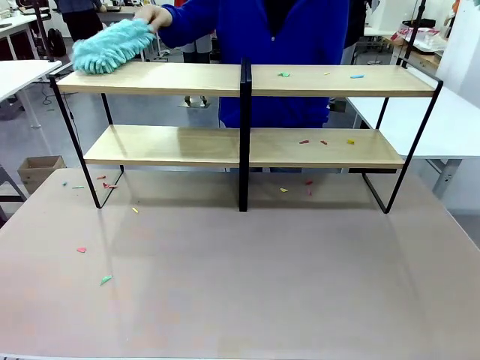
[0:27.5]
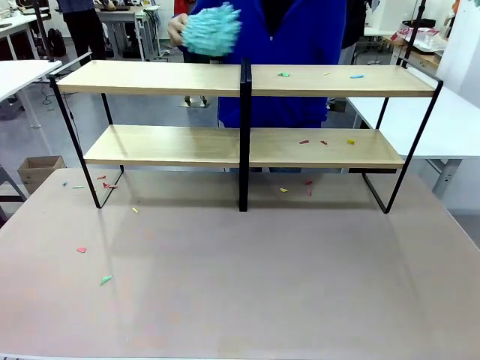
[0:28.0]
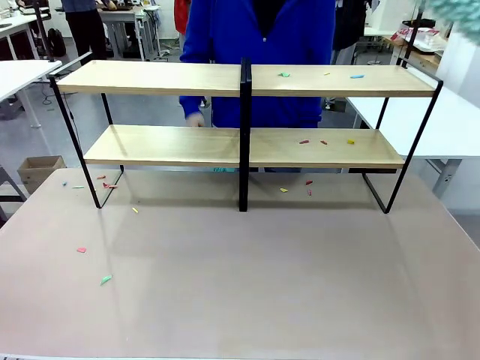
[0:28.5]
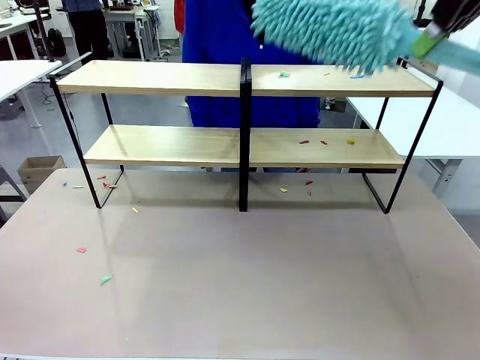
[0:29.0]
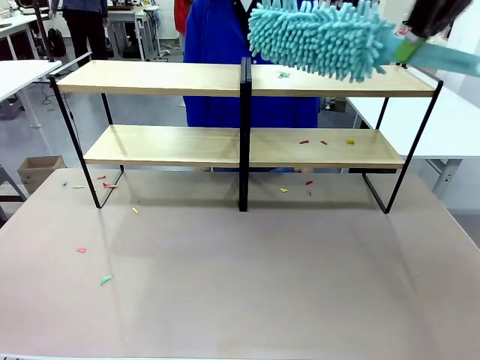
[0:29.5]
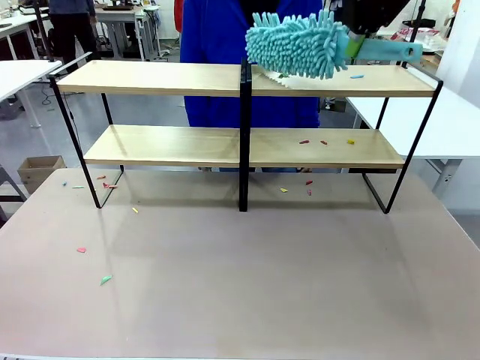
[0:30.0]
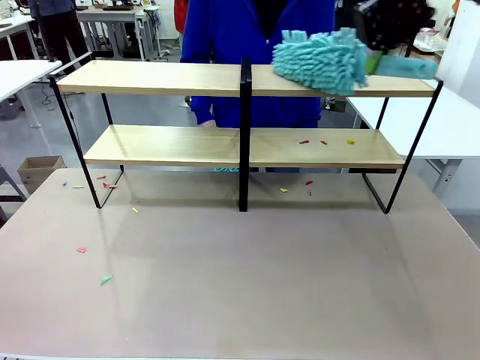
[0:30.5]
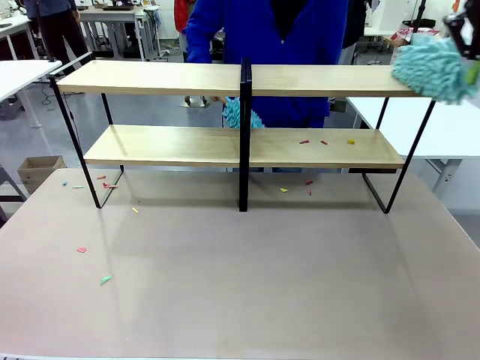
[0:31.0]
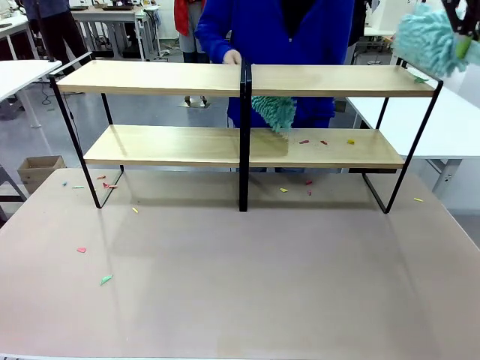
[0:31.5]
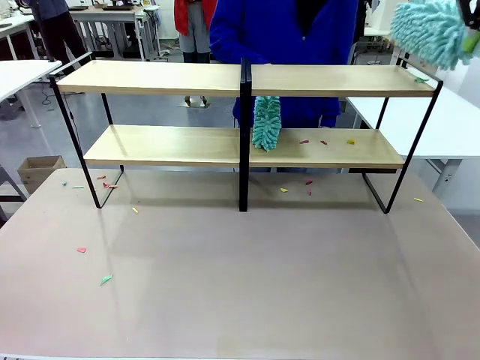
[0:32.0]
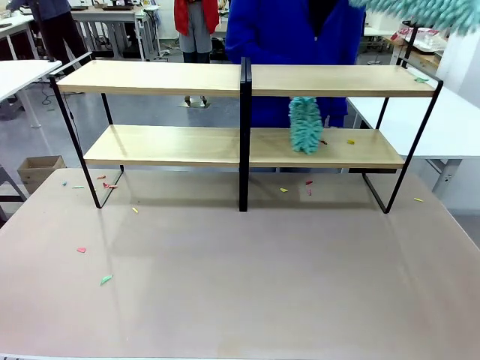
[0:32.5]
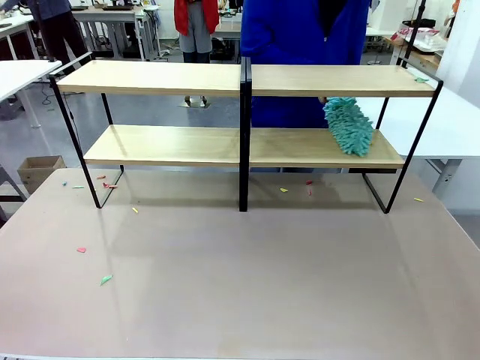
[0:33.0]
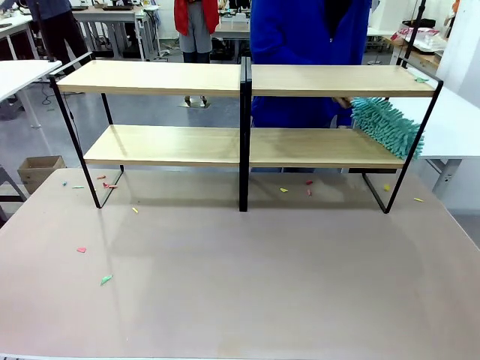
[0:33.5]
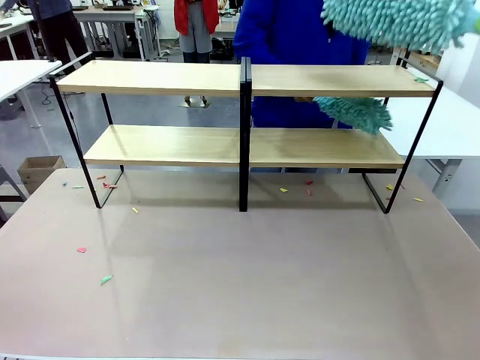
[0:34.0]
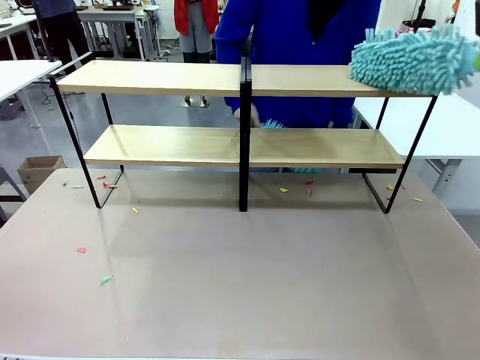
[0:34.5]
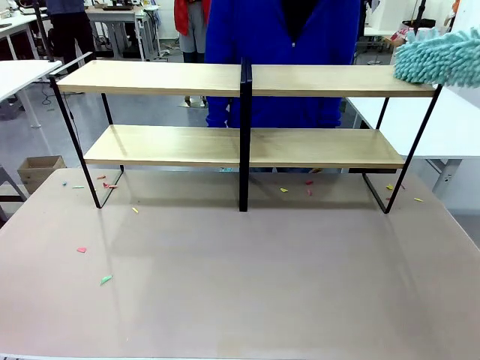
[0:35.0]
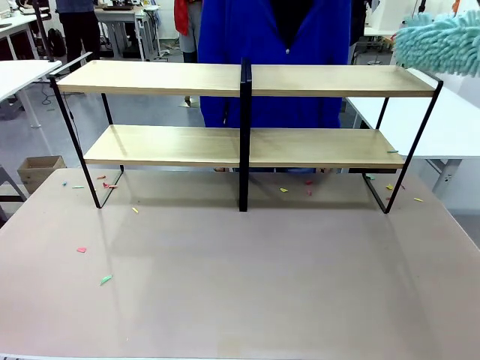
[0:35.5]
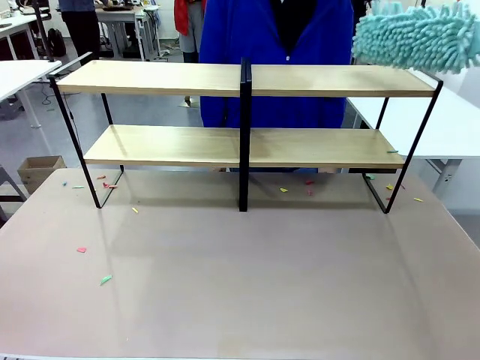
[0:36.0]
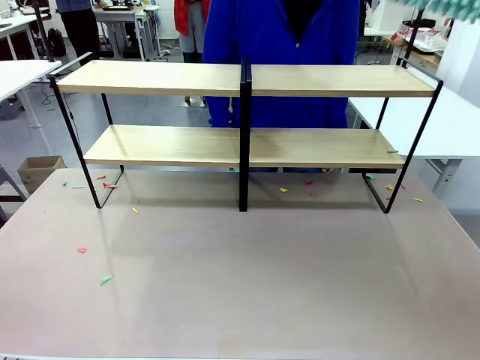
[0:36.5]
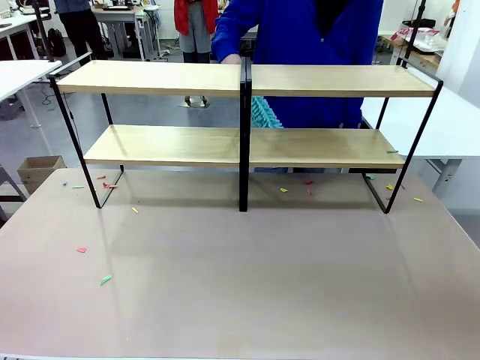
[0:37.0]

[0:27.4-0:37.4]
Task: Clean the shelves.
Robot: Clean another randomly selected level of the Shelf with the Duster.

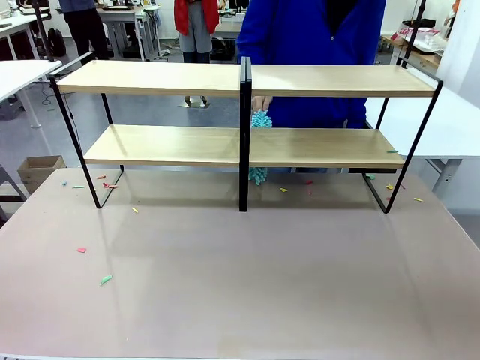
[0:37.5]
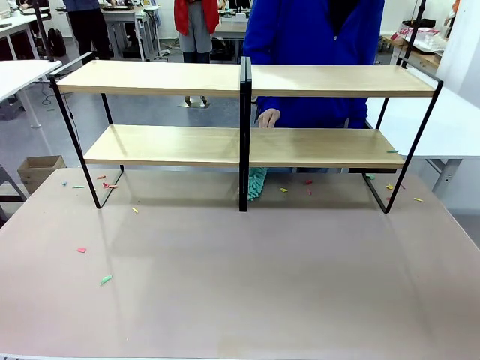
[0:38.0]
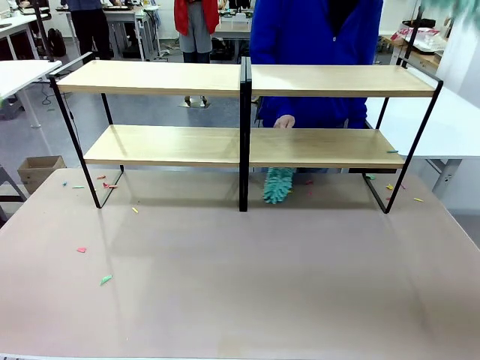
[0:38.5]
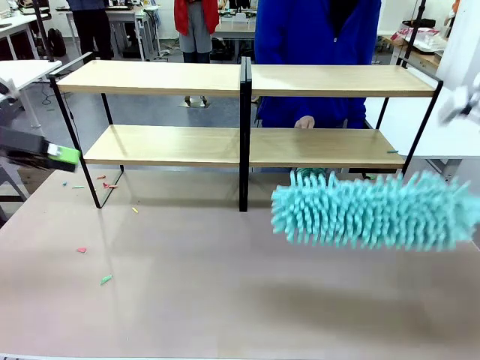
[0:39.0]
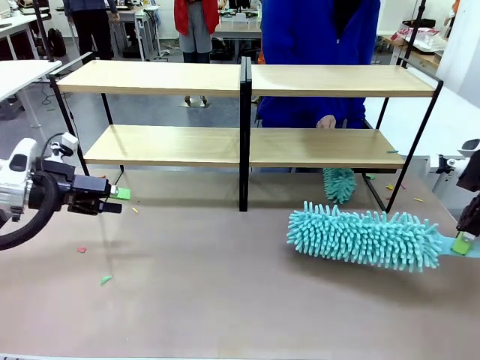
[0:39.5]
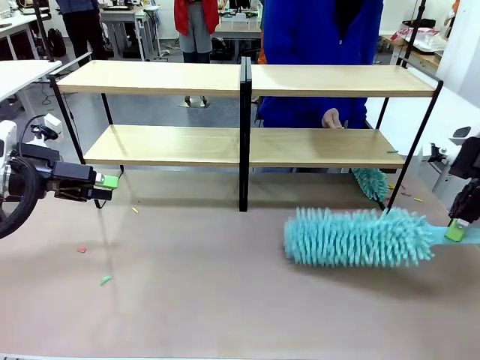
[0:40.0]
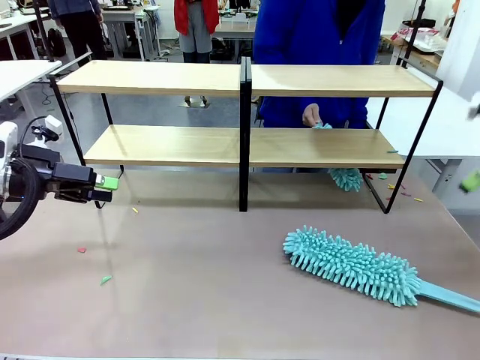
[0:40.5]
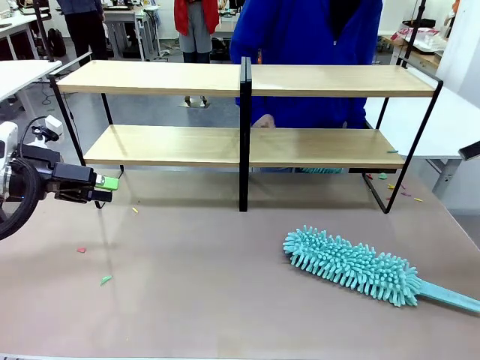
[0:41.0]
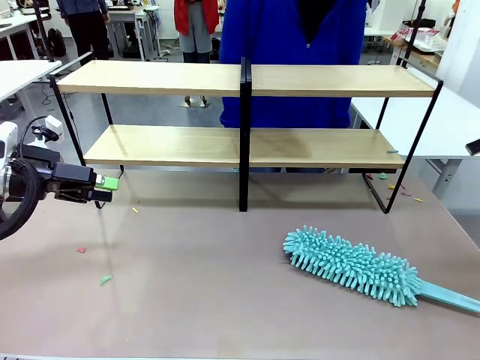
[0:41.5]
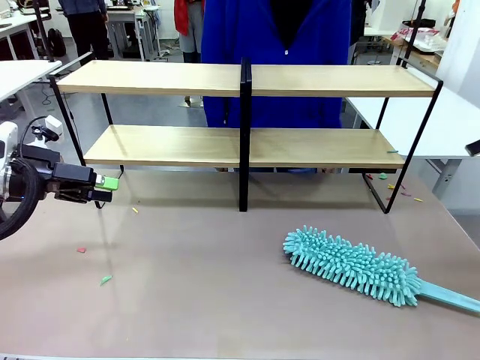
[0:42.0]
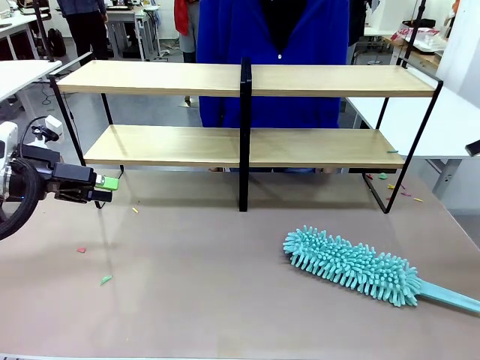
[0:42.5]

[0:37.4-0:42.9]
Robot: Place the Duster on the table.

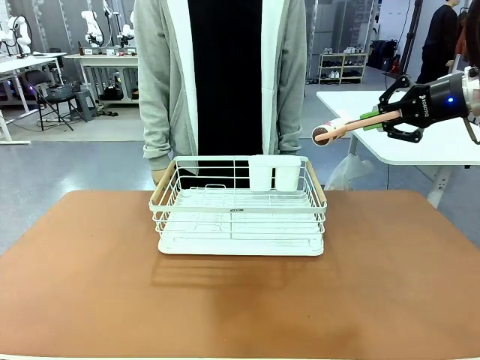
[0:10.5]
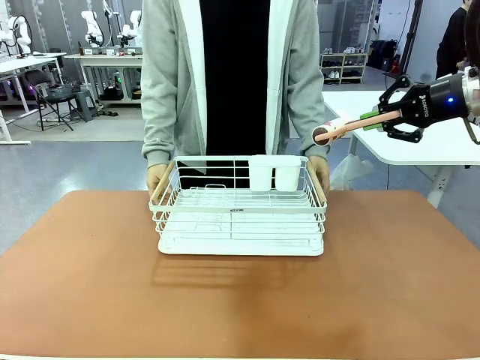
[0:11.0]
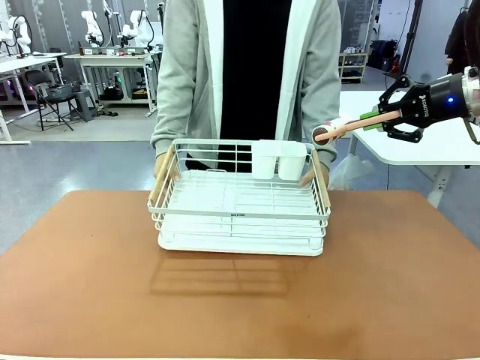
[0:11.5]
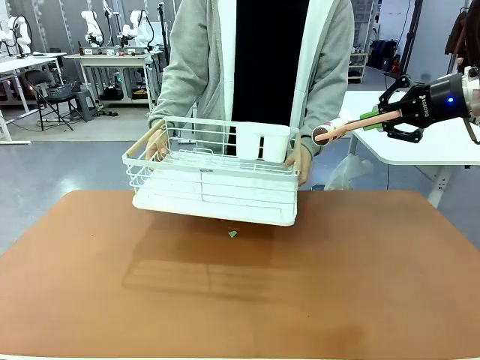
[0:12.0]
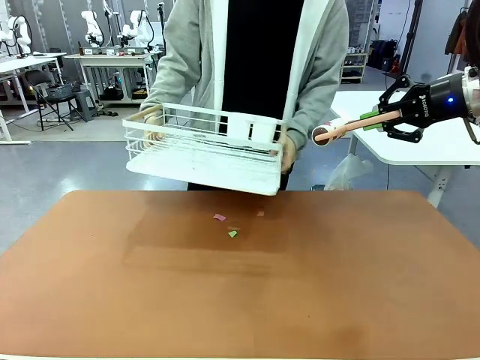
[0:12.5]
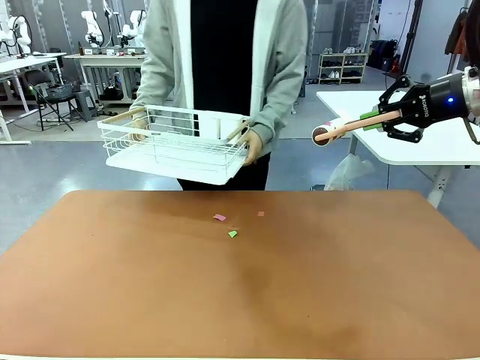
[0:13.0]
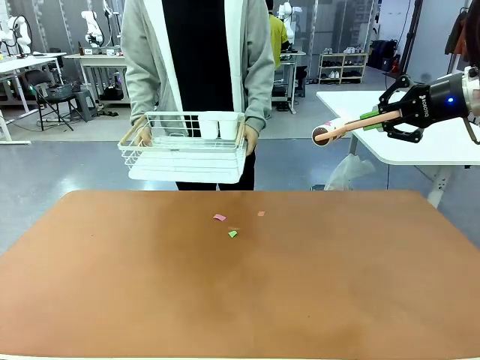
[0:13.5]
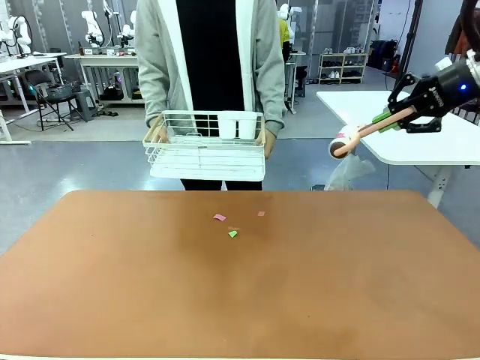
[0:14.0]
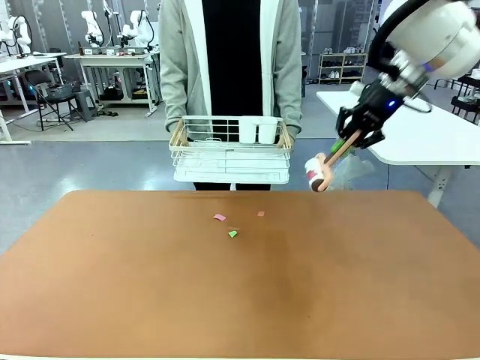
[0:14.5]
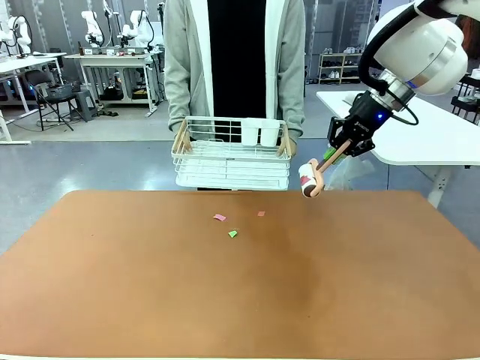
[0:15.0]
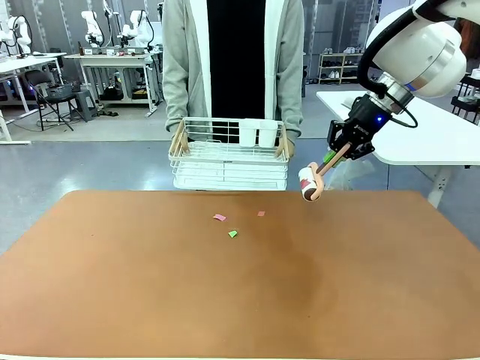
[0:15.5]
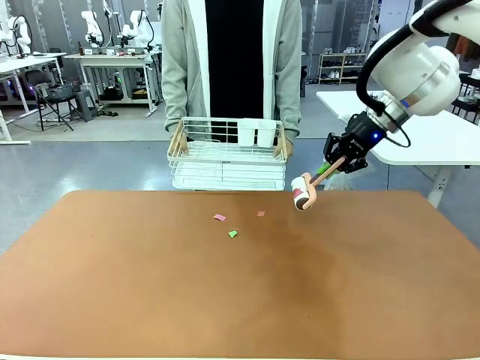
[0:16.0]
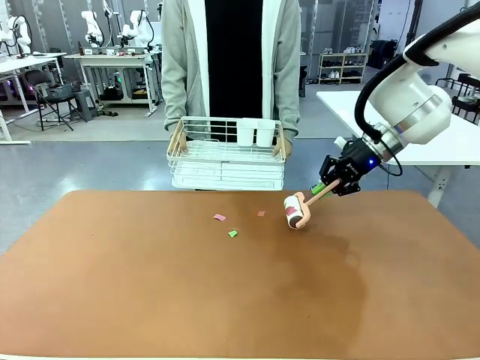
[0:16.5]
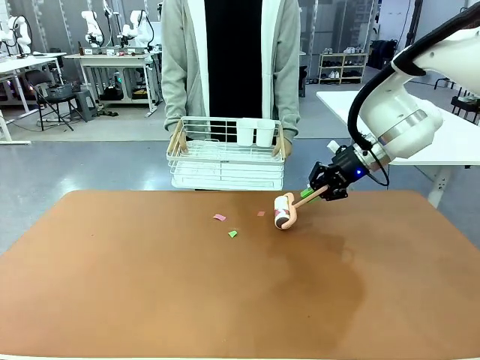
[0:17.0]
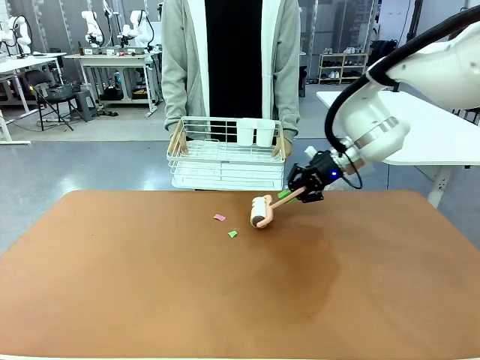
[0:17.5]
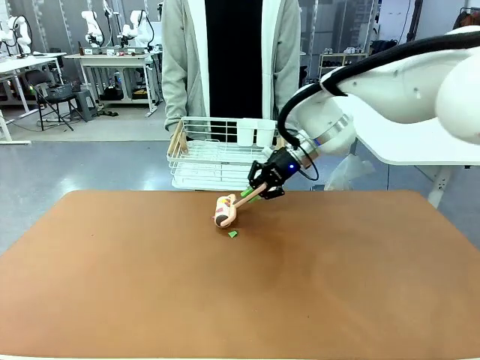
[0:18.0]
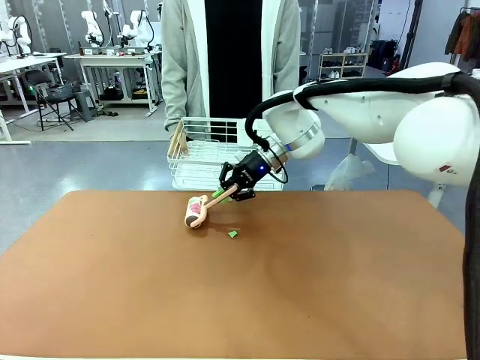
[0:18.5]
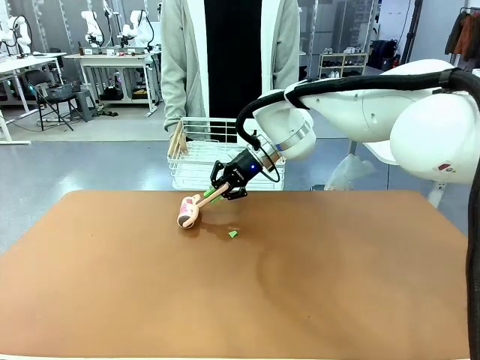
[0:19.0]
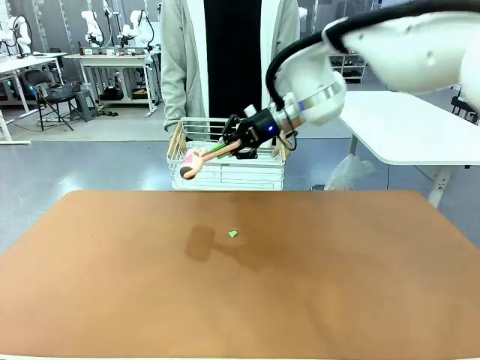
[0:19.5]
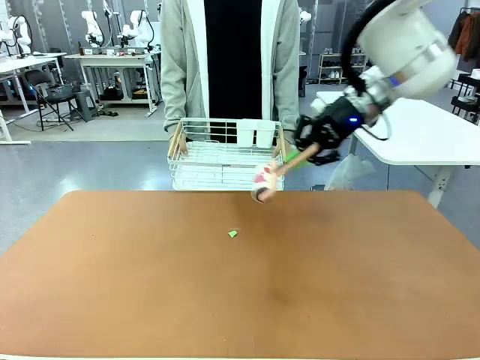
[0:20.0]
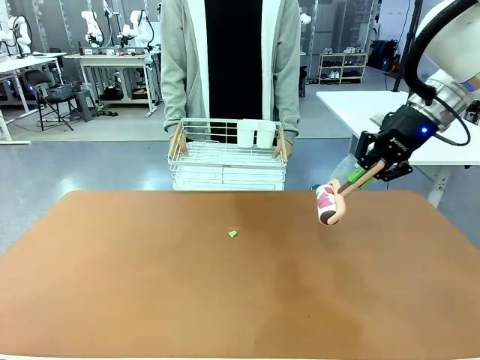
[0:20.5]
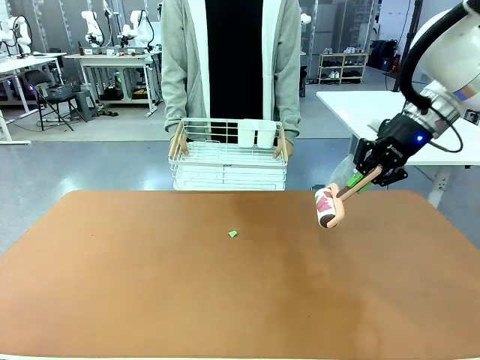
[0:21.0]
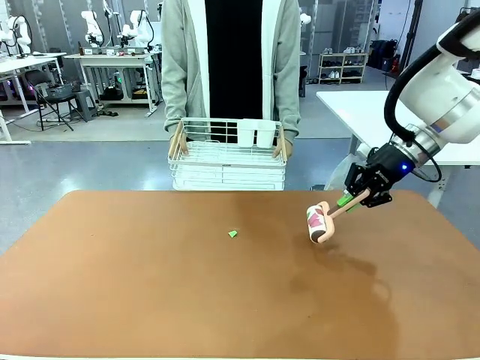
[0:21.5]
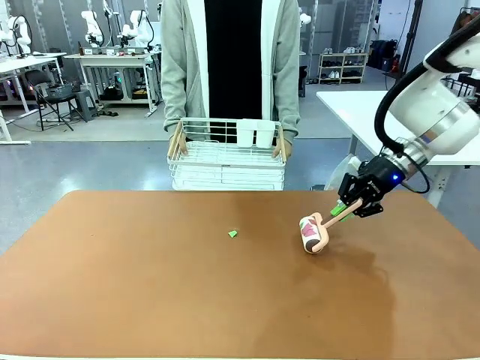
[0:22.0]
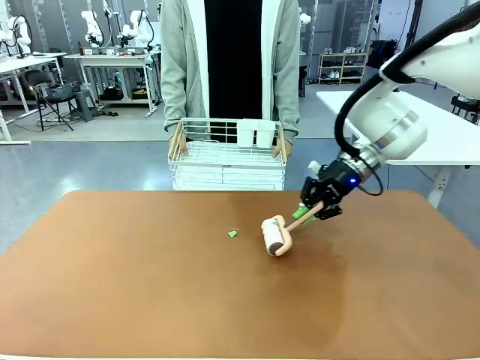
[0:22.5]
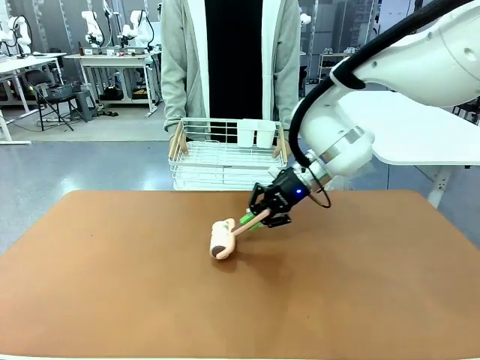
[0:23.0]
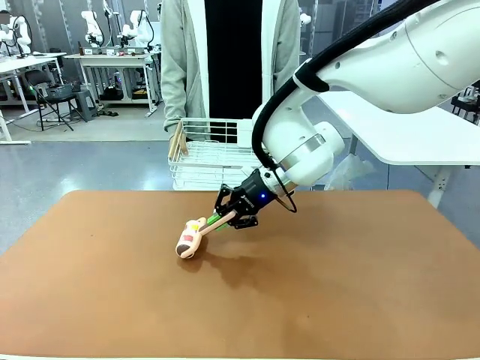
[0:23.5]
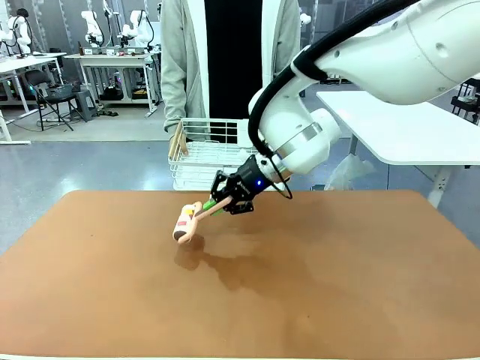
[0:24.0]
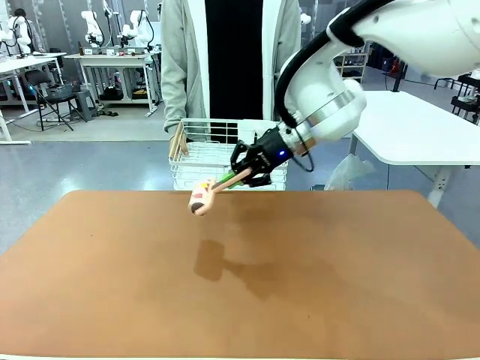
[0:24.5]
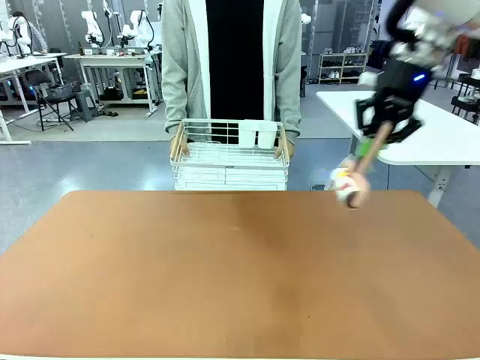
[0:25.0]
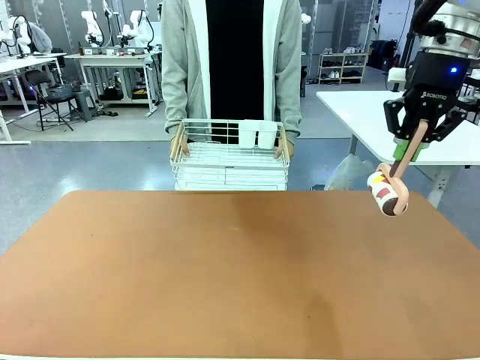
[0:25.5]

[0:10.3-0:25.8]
Task: Clean the table.
Robot: Clean the table with the Lint Roller when the human lifts the Dish drying rack.
Person: Place the Dish drying rack down when the robot finishes cleaning.
